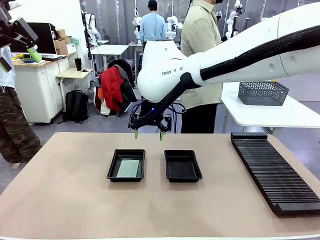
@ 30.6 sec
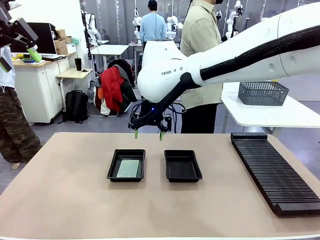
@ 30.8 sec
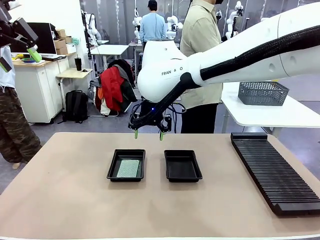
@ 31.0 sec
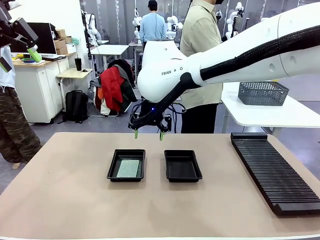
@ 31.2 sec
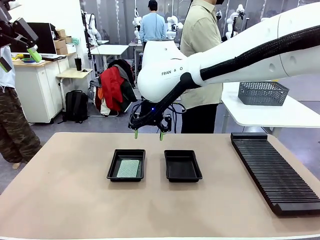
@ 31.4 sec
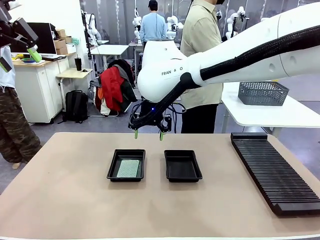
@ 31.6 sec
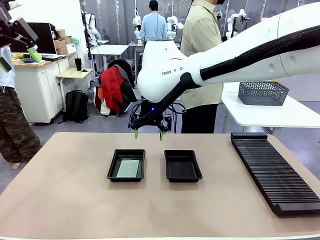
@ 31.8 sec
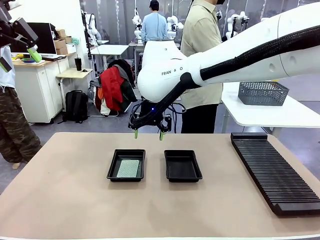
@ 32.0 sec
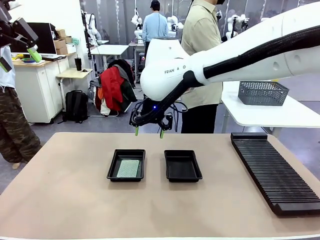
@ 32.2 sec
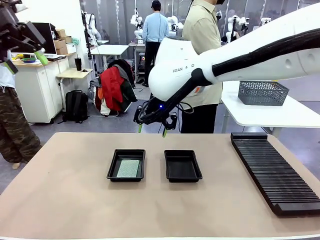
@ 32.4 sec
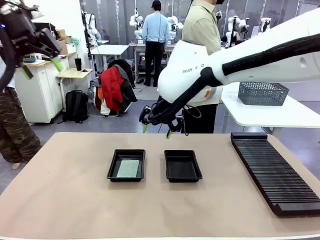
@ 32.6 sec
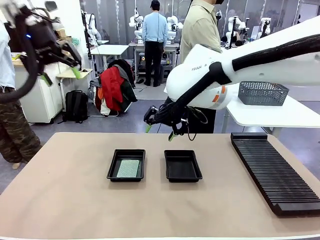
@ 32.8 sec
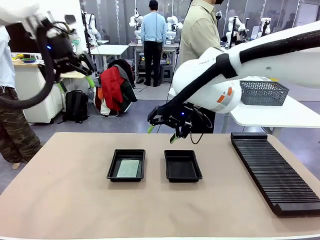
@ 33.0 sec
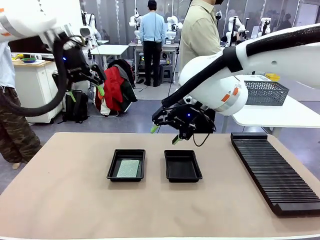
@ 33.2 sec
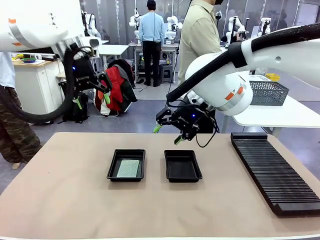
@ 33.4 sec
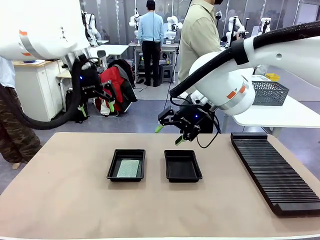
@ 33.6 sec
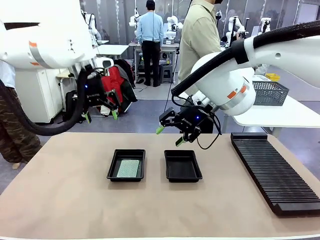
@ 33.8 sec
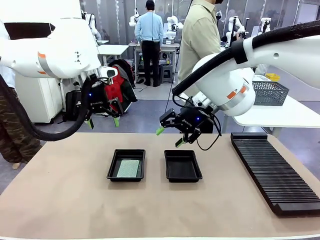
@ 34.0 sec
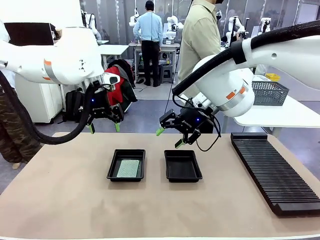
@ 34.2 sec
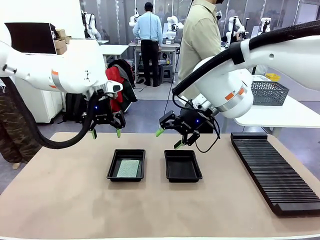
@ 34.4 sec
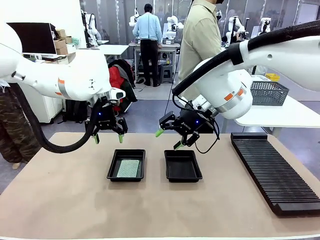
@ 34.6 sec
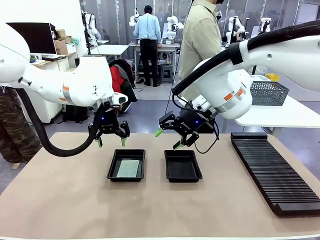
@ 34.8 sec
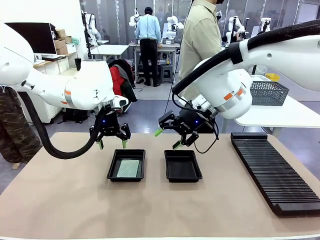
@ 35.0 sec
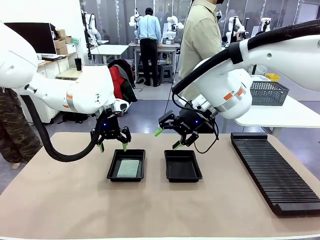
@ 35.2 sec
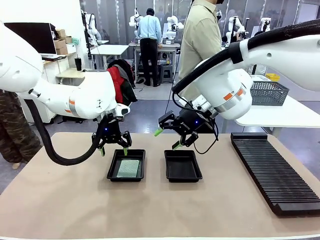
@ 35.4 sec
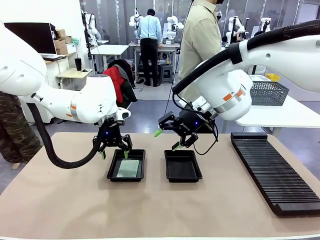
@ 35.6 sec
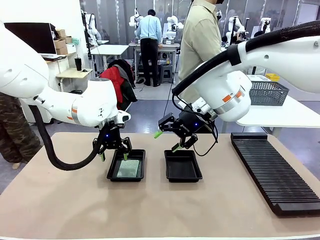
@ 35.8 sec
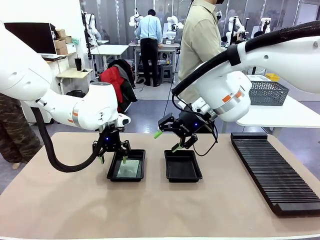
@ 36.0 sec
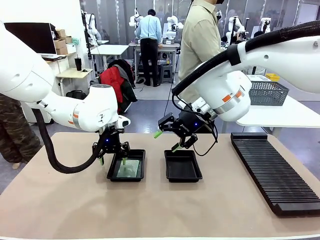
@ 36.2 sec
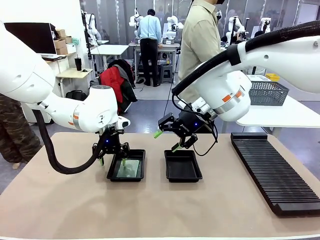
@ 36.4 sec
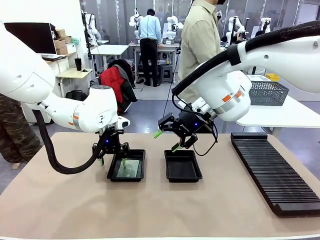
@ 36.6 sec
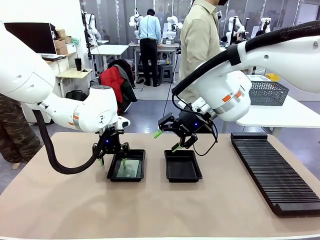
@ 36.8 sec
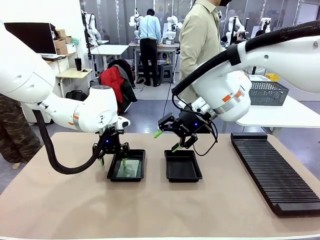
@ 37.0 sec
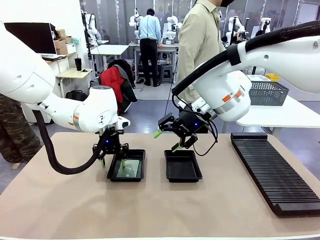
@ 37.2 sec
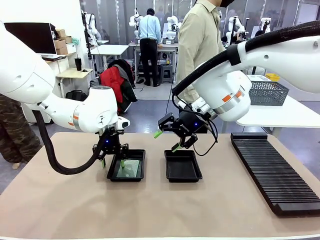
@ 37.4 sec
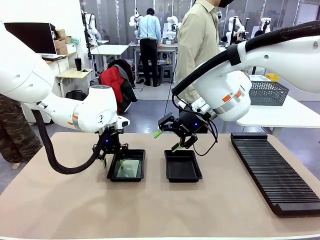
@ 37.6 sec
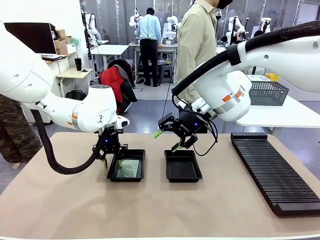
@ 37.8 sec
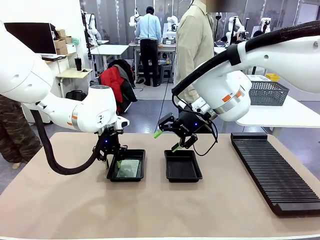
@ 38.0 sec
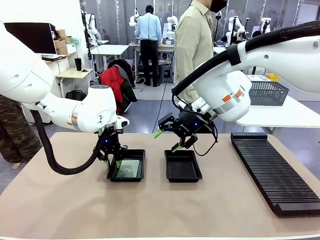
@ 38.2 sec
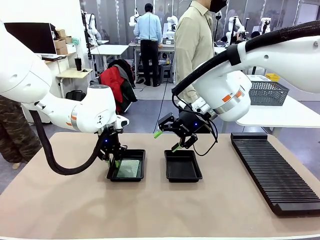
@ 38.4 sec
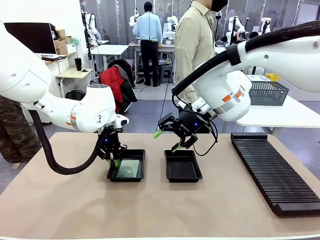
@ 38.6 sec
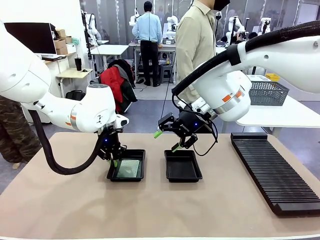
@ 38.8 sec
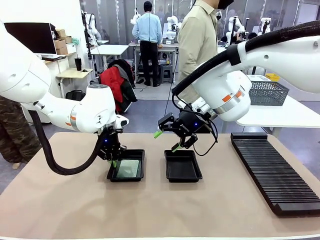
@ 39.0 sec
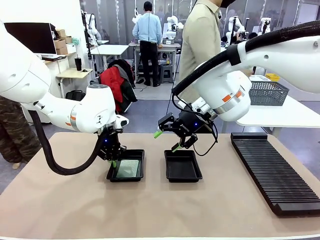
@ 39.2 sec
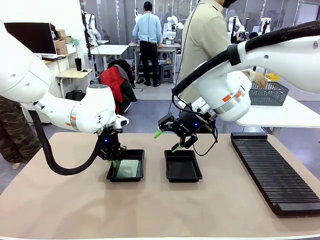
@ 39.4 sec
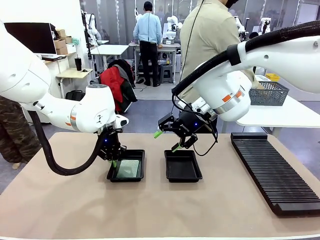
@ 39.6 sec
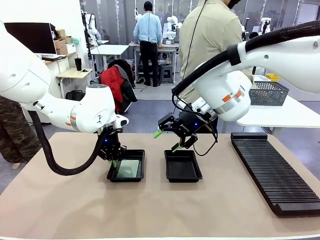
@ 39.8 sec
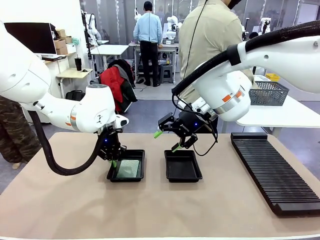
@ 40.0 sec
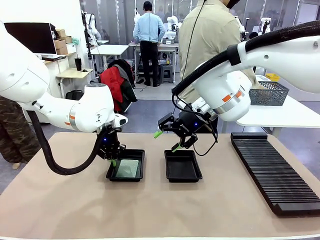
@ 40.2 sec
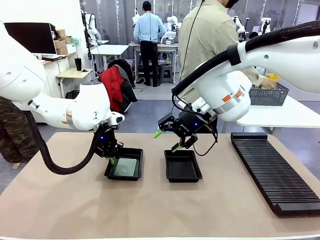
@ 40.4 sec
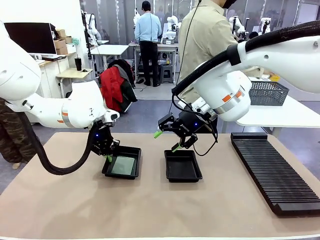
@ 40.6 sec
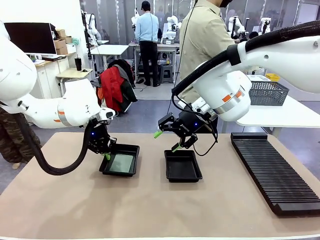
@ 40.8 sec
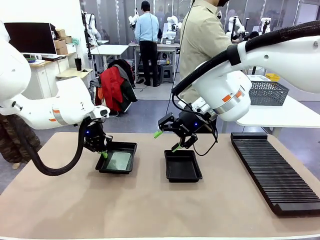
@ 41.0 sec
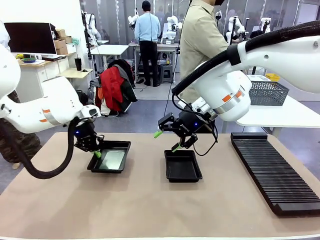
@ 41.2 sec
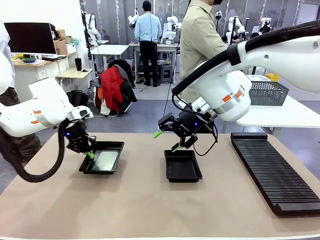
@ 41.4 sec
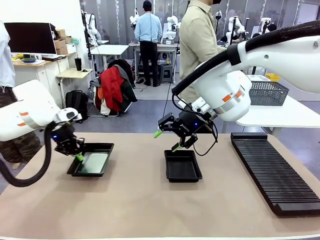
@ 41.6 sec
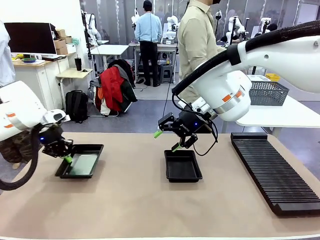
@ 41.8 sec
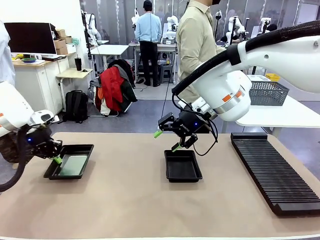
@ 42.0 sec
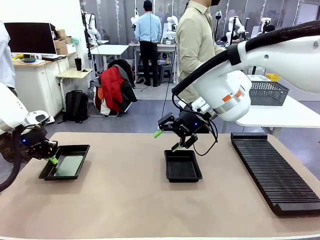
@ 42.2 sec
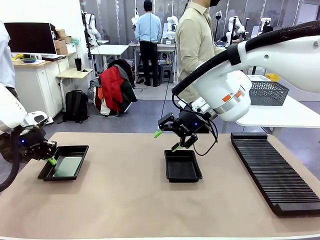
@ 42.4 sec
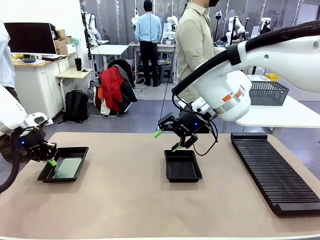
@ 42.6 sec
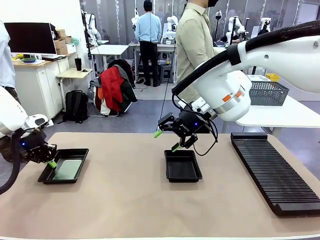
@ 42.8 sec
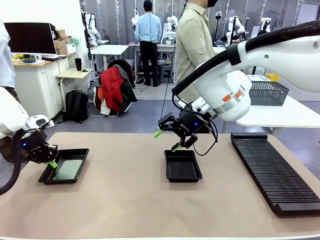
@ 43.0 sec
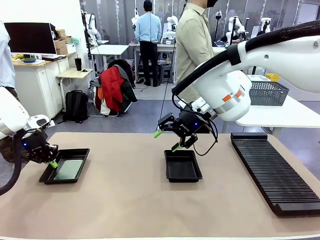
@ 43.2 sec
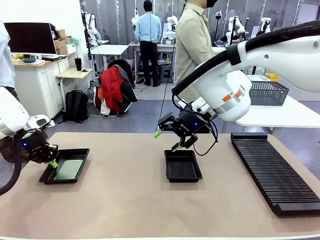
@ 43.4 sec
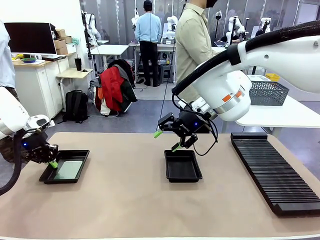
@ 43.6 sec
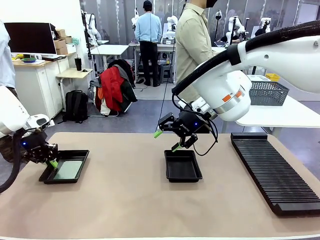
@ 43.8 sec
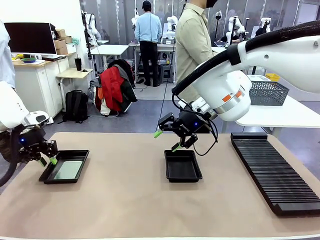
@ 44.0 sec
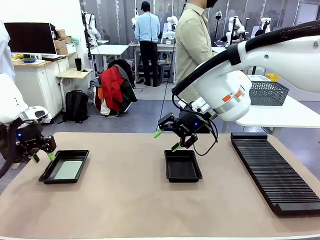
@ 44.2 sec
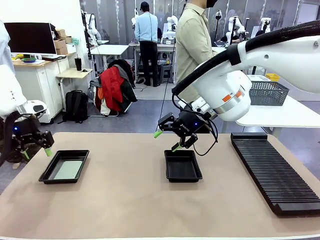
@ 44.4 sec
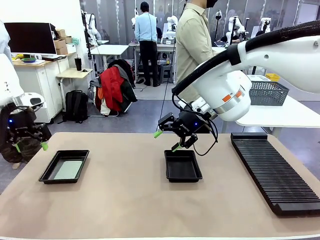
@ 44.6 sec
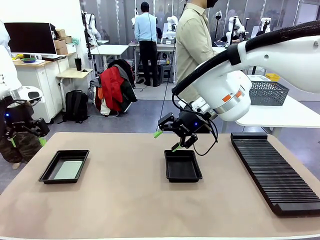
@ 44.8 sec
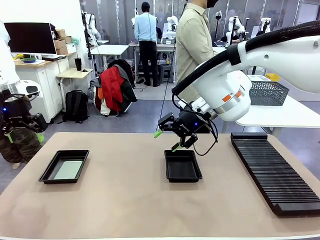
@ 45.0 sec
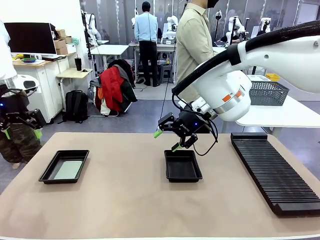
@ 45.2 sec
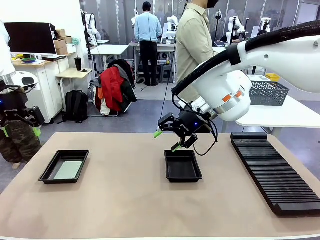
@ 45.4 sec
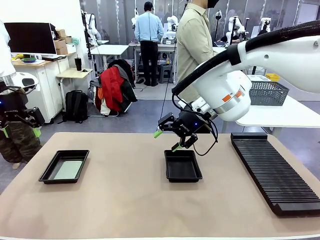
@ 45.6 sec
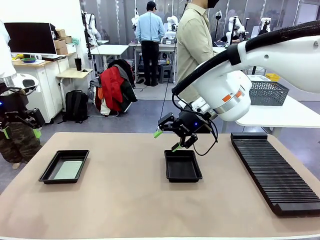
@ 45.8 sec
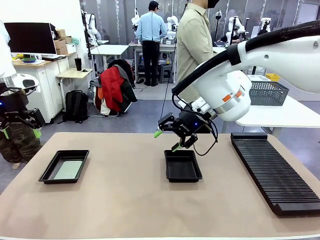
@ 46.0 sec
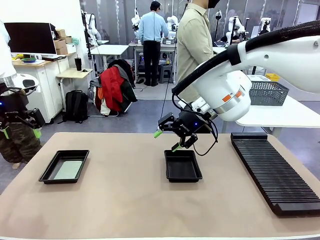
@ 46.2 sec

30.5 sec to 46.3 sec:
Task: Inspect and transfer BCBs to ESD trays.
Robot: Pick up the ESD tray and place it on the left side of the table.
